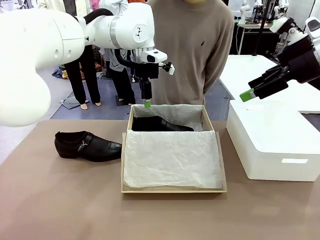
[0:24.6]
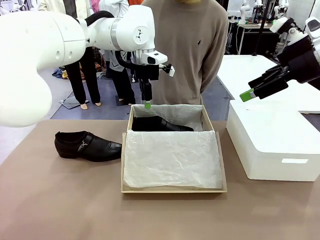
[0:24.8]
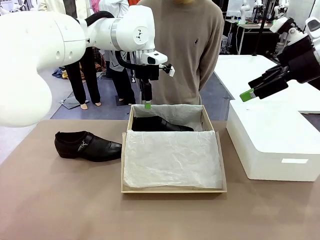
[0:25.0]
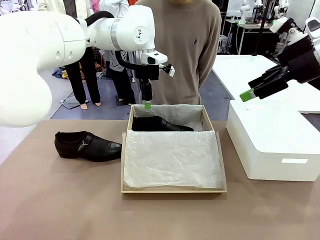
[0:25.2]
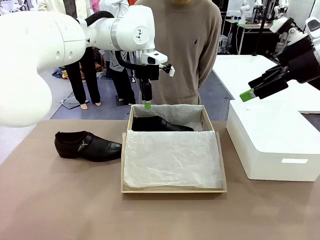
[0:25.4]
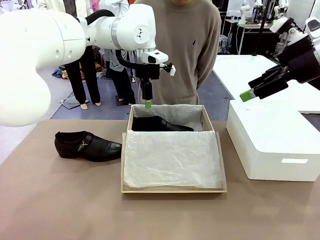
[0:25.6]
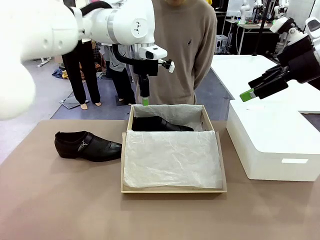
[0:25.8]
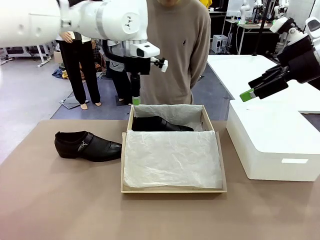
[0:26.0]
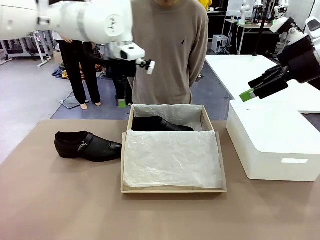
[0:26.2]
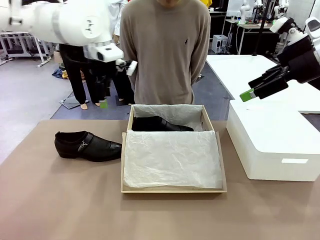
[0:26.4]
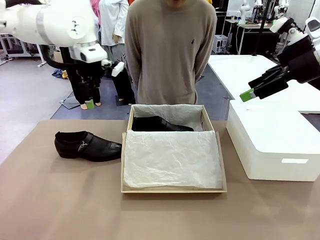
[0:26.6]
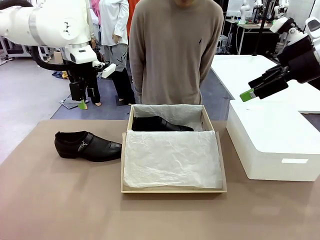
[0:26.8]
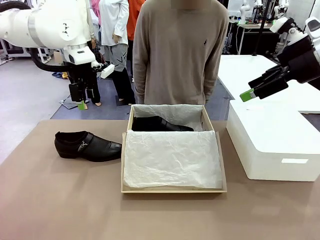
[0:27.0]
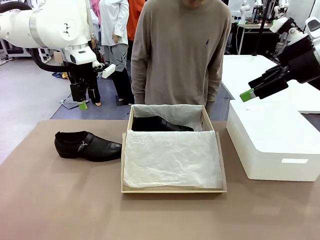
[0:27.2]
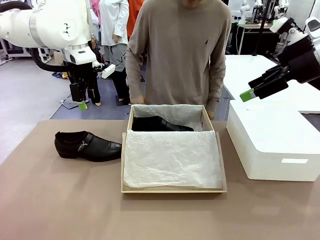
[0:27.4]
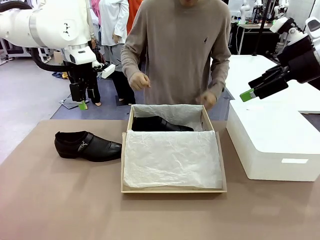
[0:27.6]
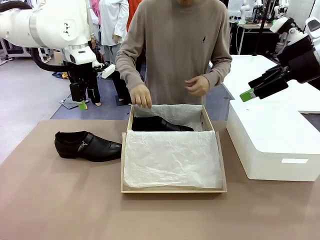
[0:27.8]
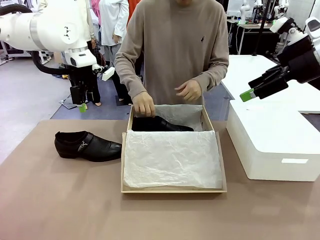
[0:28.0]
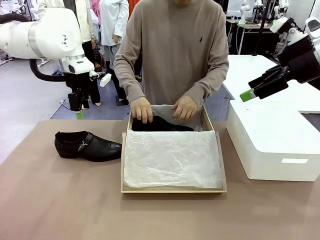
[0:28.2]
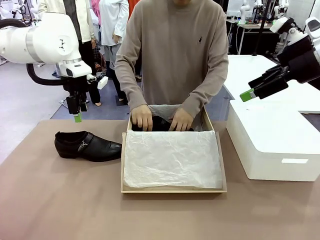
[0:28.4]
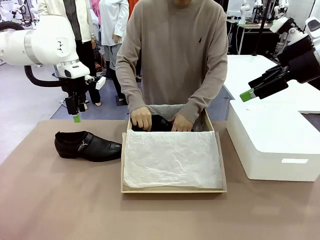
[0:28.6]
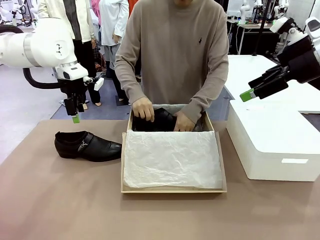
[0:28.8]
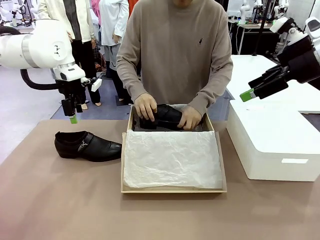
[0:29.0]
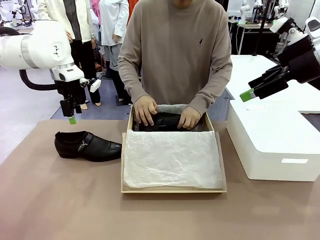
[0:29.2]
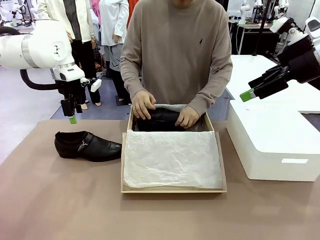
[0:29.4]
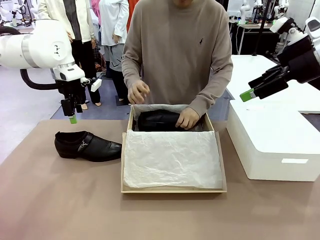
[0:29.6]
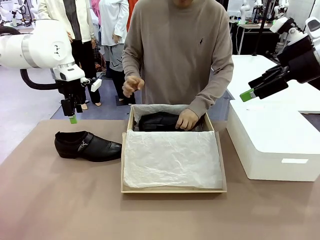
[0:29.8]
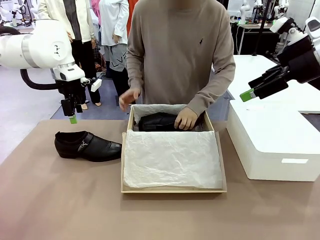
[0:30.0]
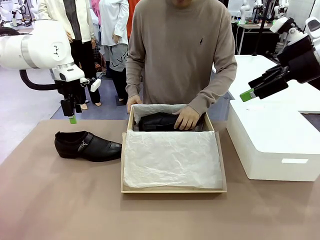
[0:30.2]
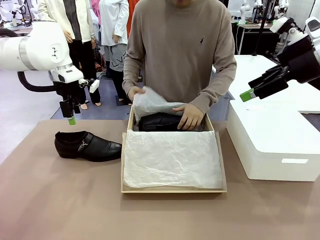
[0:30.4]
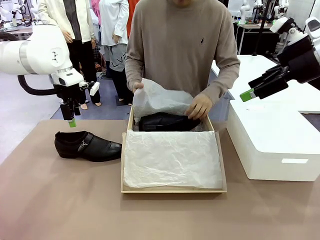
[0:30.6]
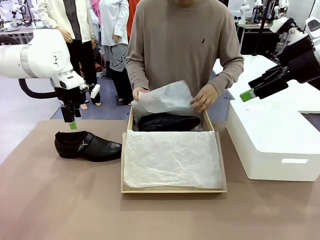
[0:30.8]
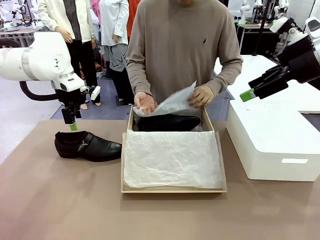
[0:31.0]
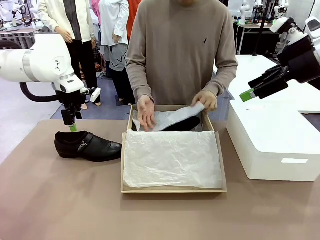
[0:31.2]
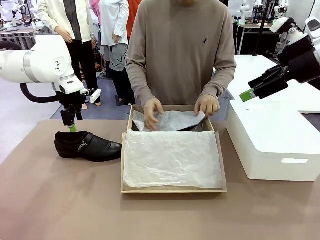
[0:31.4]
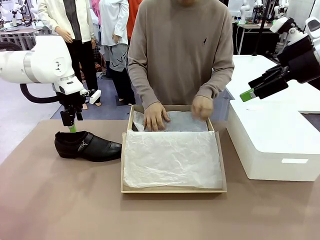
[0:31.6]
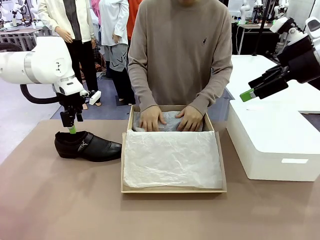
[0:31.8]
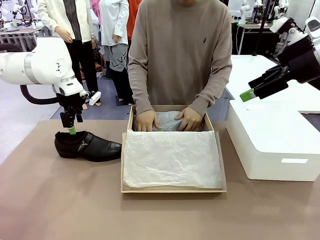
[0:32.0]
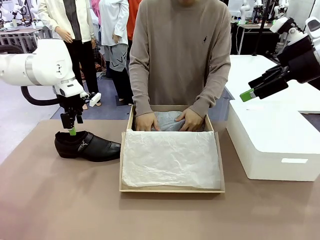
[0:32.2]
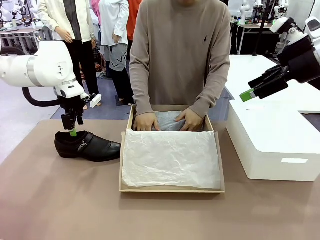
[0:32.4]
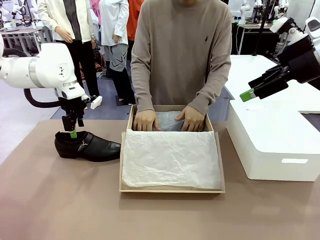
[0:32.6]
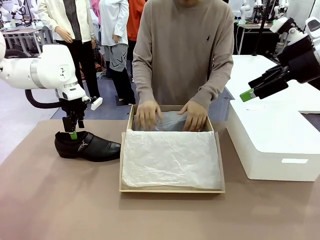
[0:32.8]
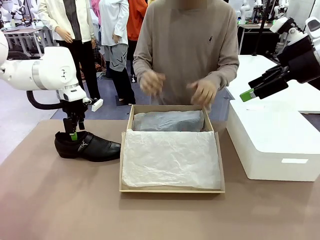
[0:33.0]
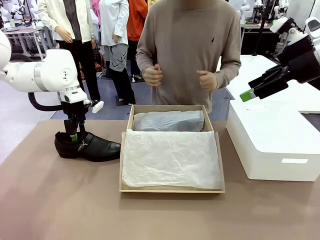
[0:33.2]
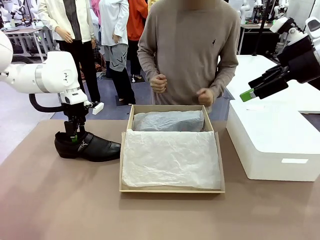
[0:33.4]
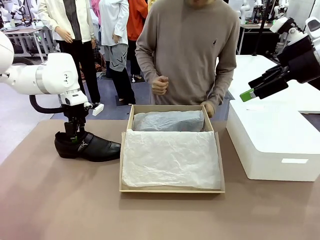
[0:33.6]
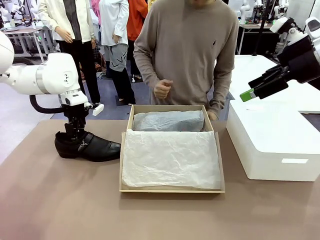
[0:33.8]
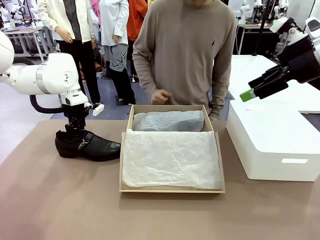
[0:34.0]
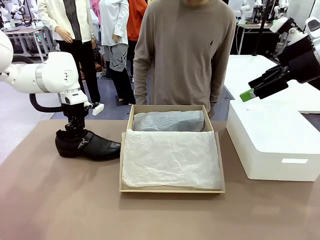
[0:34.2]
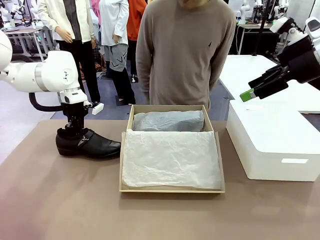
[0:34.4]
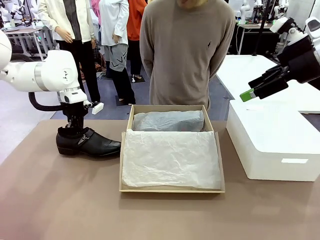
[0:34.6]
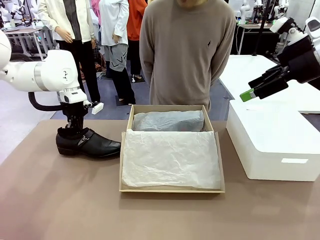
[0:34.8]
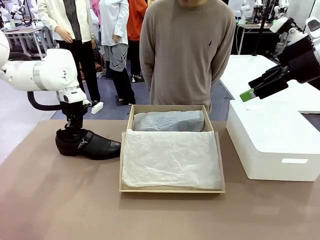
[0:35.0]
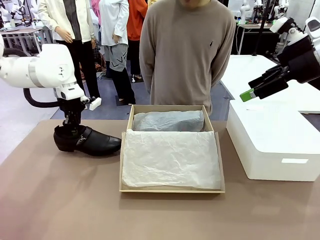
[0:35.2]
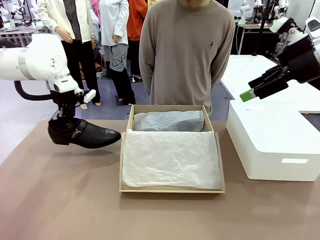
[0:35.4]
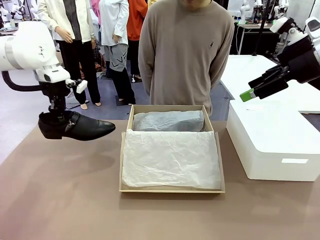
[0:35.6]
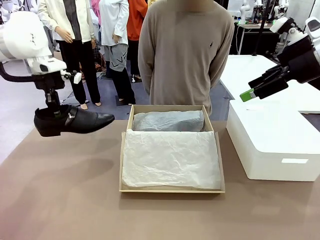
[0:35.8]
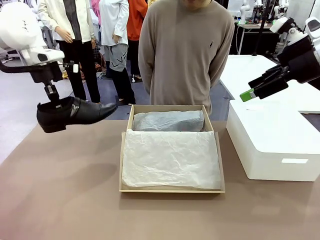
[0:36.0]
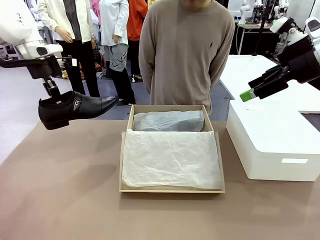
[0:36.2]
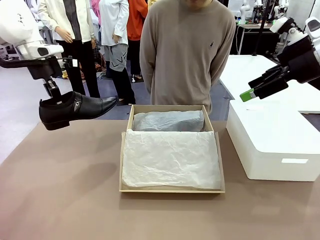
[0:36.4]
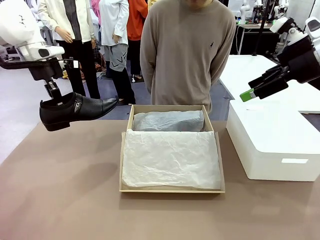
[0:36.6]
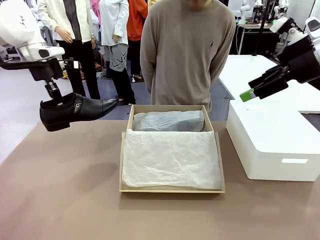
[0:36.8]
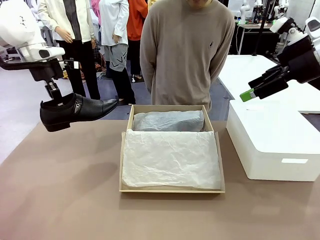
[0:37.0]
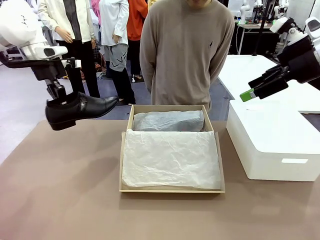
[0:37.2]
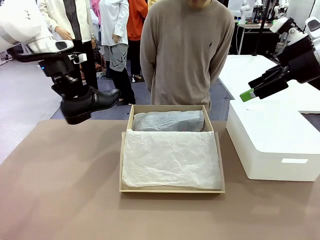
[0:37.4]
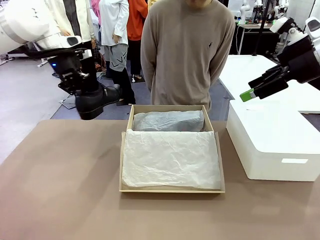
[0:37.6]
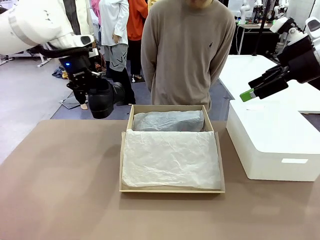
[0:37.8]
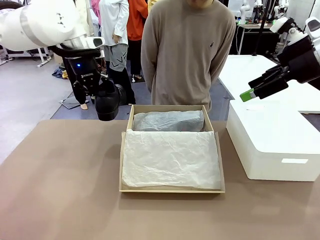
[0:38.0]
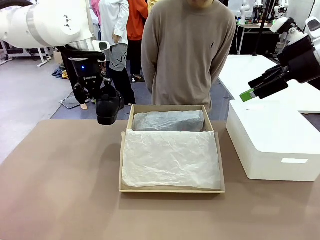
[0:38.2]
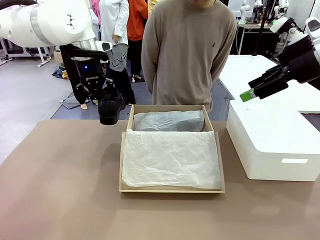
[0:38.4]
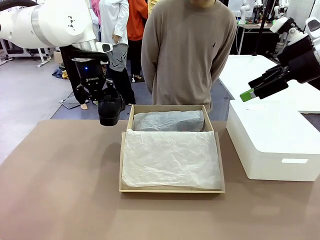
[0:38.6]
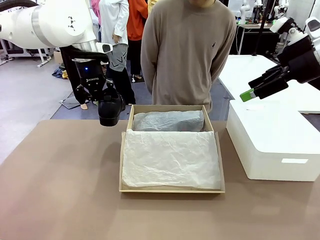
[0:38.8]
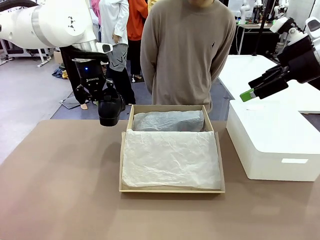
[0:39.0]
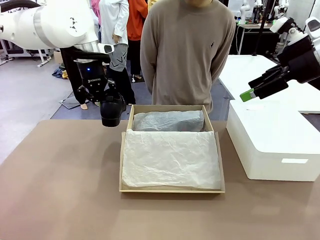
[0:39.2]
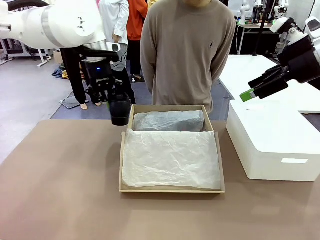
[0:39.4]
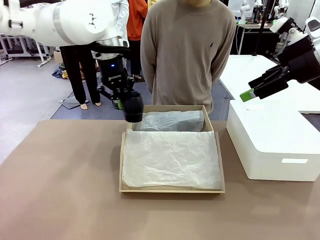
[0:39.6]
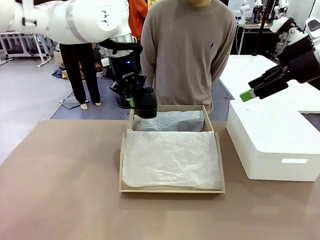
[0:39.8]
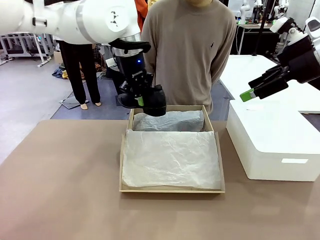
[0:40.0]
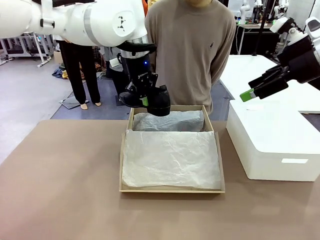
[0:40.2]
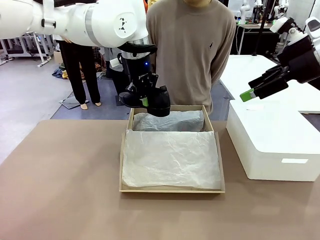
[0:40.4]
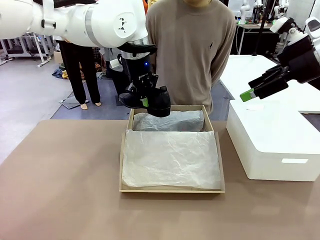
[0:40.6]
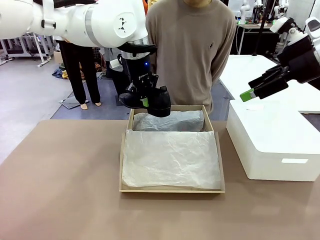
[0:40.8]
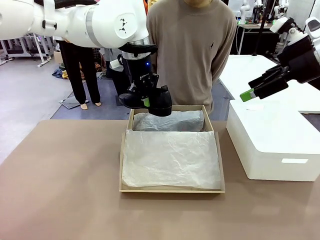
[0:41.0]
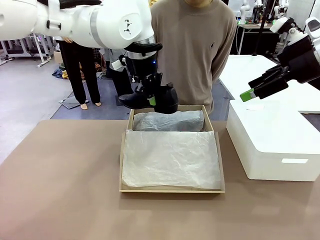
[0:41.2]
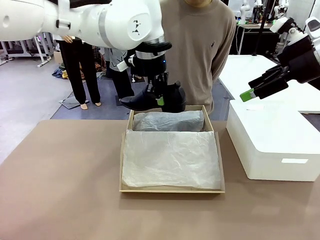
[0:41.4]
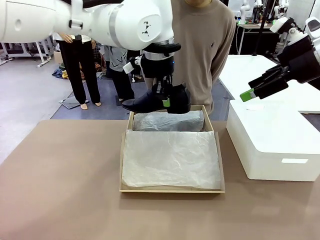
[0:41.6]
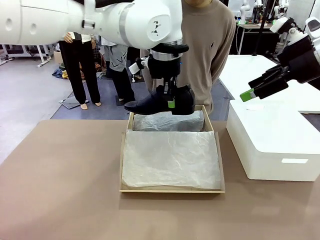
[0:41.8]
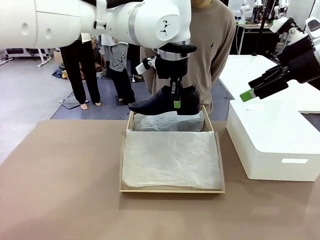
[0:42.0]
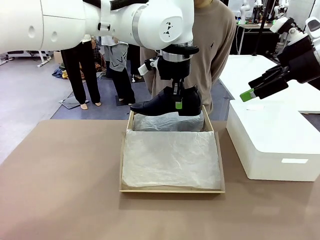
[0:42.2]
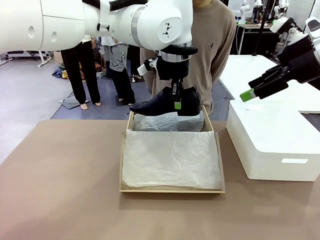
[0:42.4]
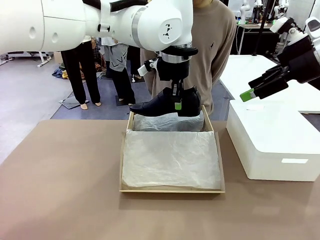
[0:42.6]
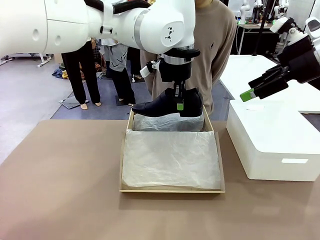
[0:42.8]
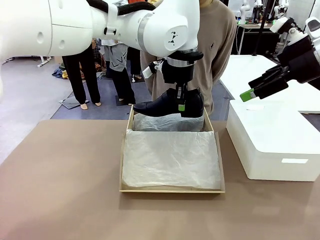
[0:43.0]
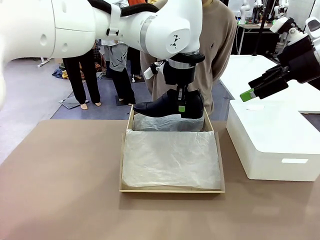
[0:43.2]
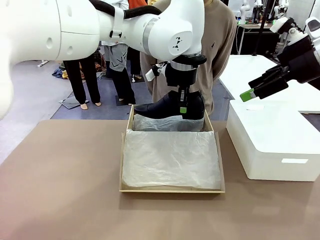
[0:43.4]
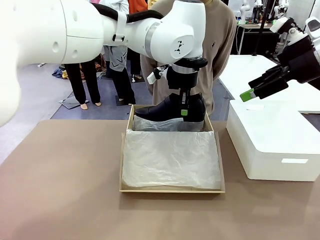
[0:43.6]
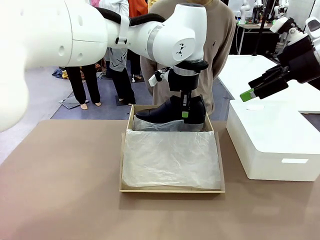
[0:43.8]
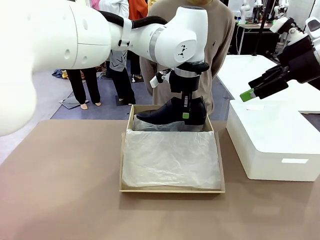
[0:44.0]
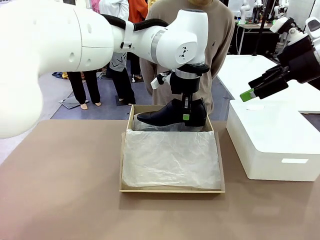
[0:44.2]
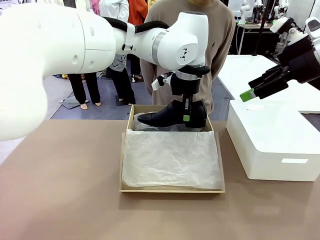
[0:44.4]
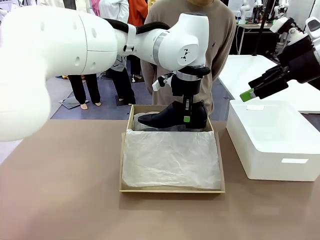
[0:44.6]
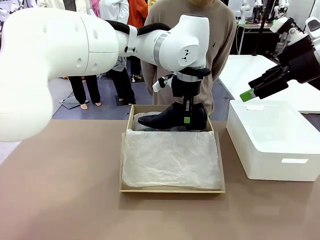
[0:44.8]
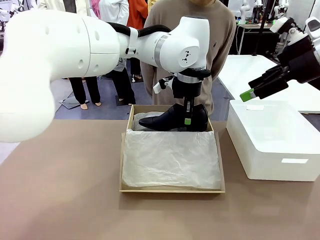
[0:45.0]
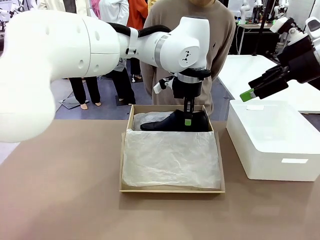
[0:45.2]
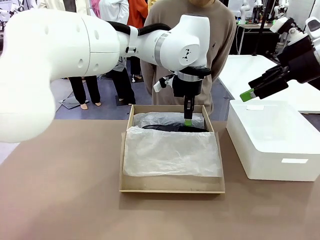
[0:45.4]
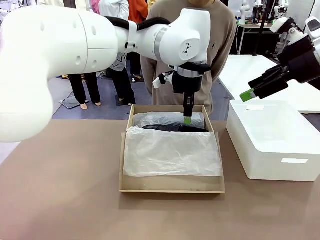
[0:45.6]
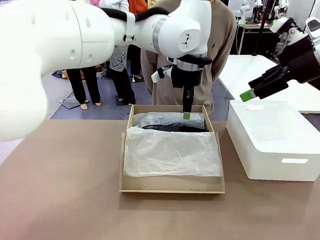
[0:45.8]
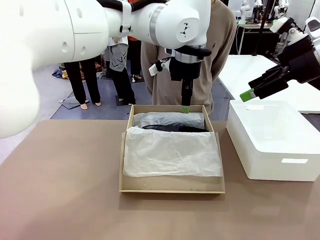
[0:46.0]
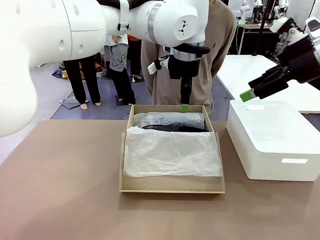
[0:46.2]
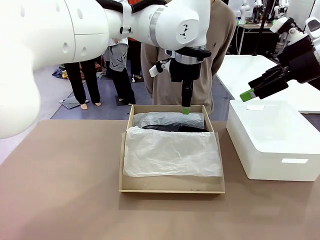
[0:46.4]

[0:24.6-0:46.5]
Task: Pack the shoes into the box.
Robot: Place the other shoe of the Shoes into the Shoes Box.
Person: Pack a shoe of Shoes inside the Shoes Box with Shoes Wrapping Paper.
